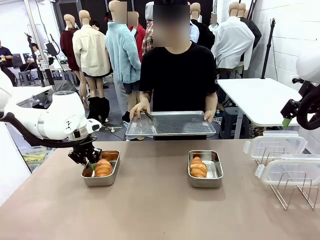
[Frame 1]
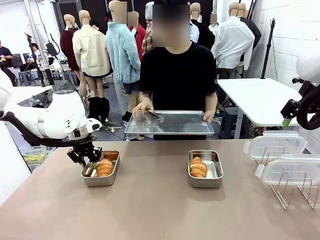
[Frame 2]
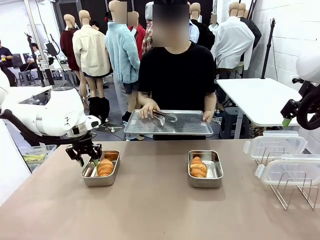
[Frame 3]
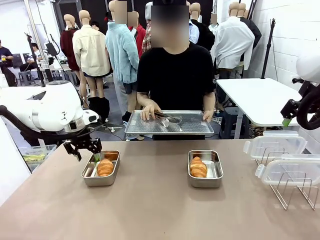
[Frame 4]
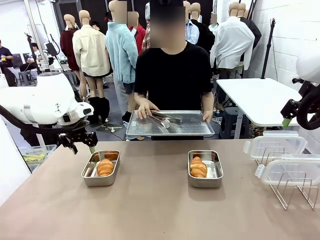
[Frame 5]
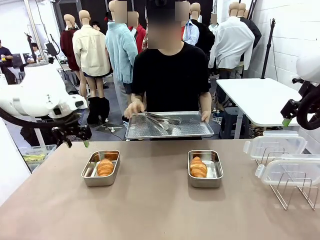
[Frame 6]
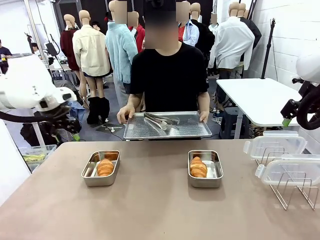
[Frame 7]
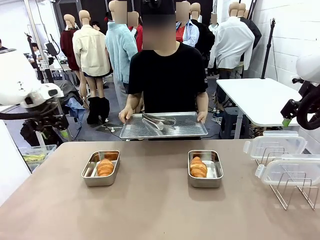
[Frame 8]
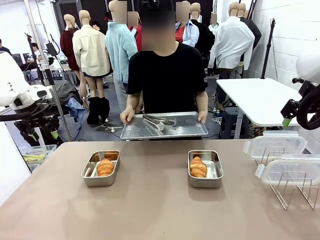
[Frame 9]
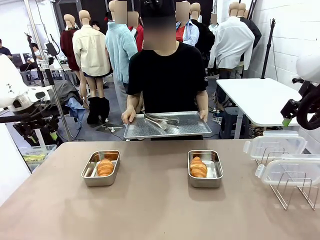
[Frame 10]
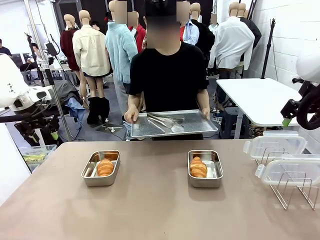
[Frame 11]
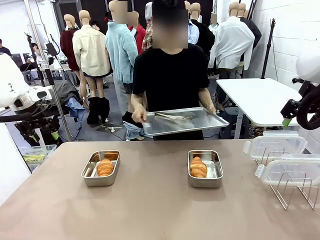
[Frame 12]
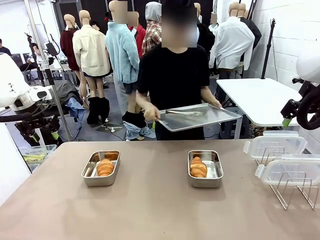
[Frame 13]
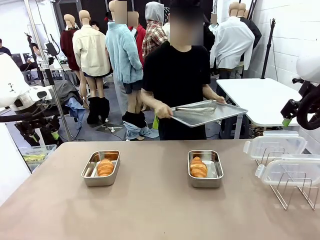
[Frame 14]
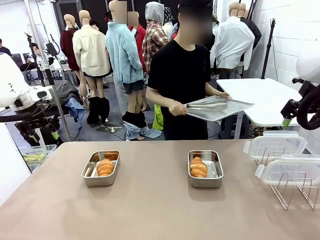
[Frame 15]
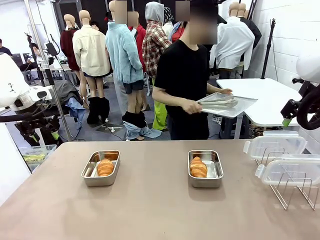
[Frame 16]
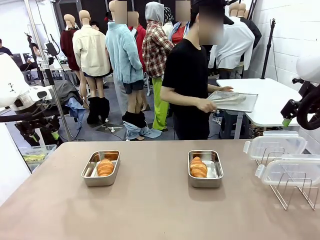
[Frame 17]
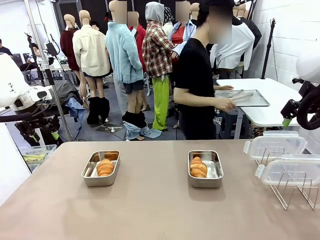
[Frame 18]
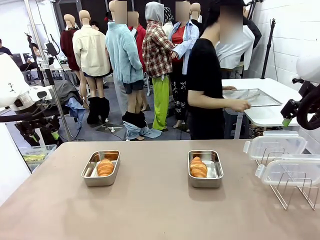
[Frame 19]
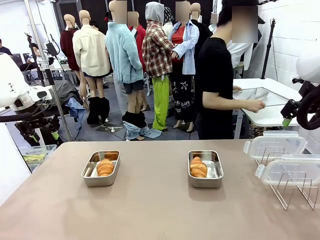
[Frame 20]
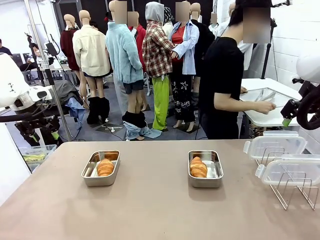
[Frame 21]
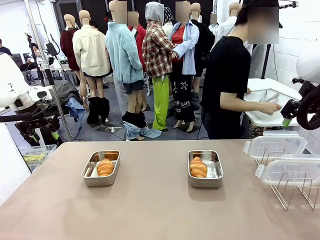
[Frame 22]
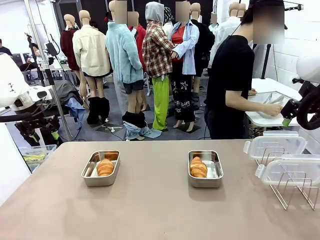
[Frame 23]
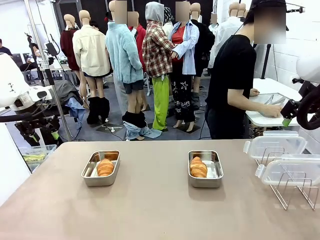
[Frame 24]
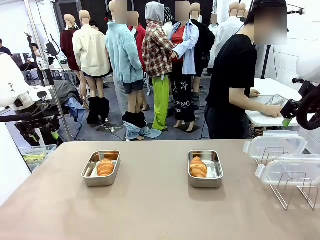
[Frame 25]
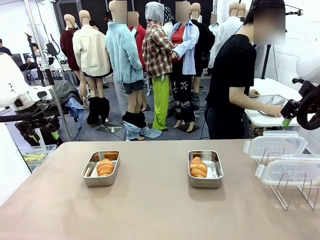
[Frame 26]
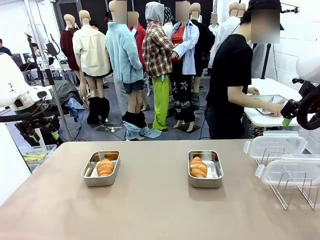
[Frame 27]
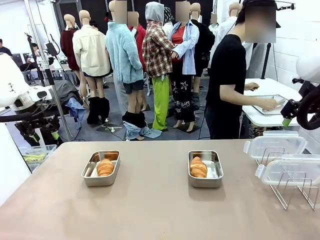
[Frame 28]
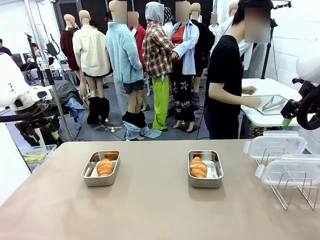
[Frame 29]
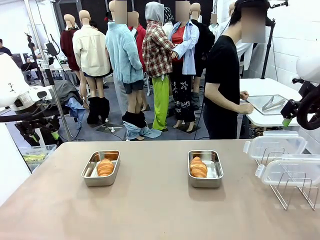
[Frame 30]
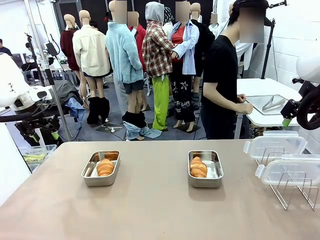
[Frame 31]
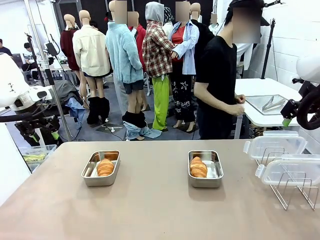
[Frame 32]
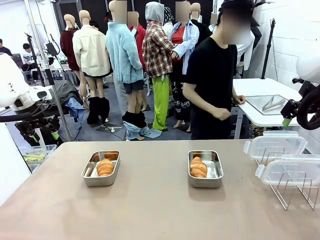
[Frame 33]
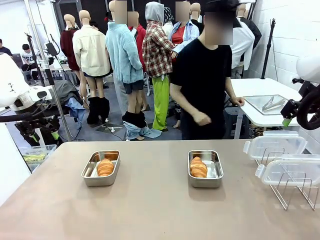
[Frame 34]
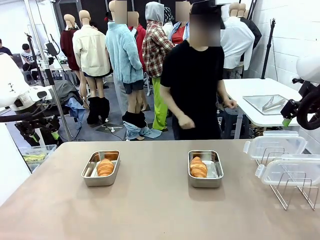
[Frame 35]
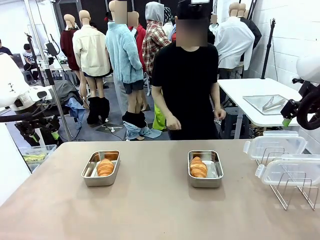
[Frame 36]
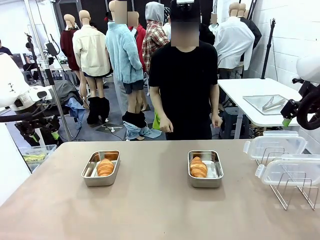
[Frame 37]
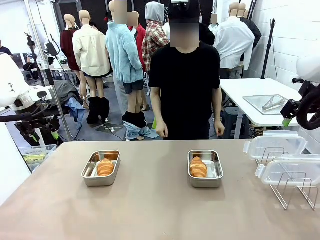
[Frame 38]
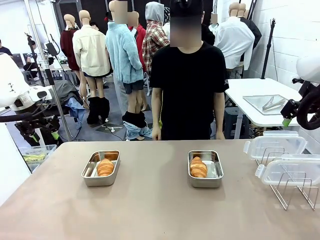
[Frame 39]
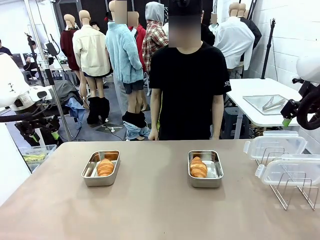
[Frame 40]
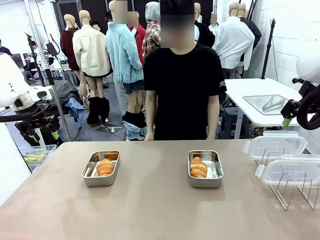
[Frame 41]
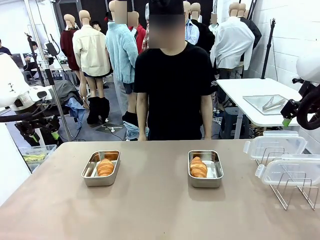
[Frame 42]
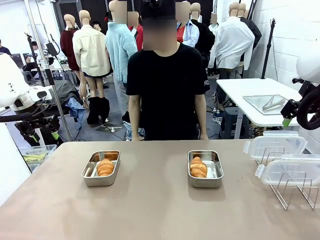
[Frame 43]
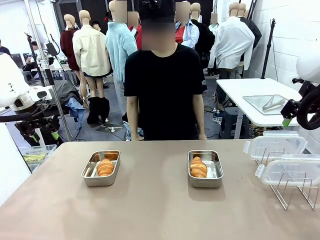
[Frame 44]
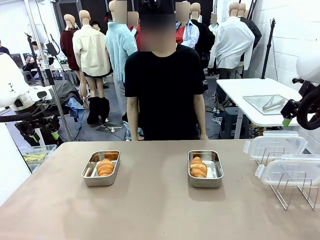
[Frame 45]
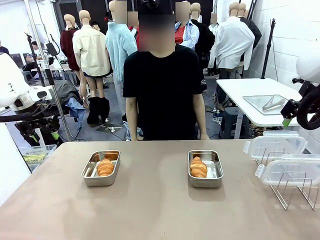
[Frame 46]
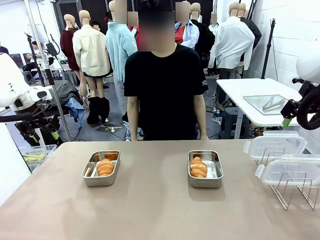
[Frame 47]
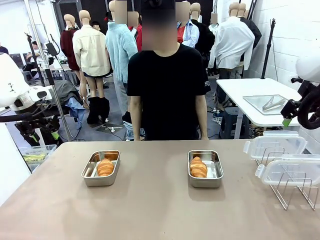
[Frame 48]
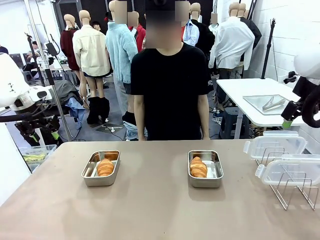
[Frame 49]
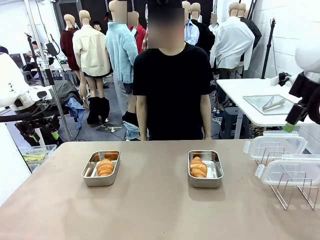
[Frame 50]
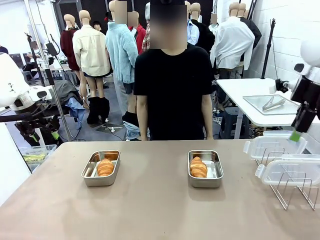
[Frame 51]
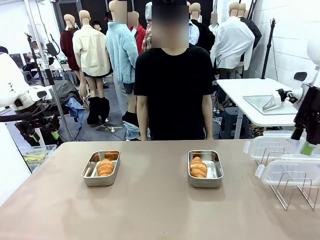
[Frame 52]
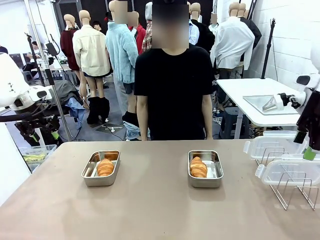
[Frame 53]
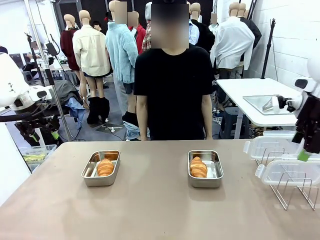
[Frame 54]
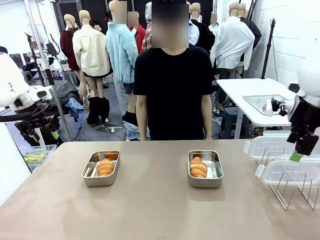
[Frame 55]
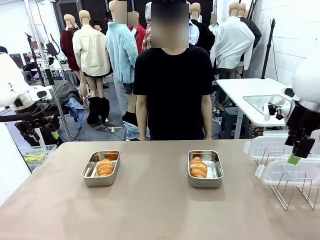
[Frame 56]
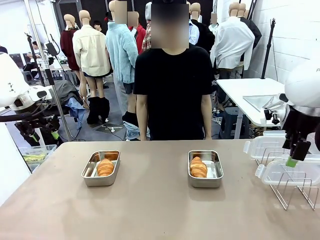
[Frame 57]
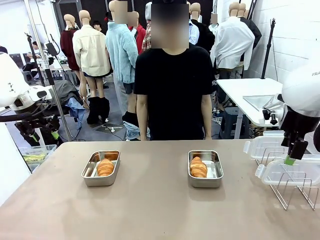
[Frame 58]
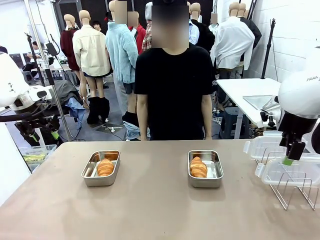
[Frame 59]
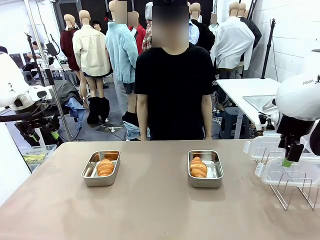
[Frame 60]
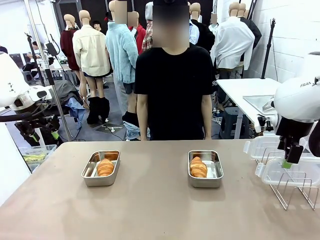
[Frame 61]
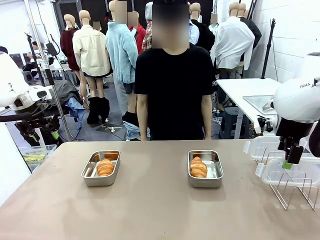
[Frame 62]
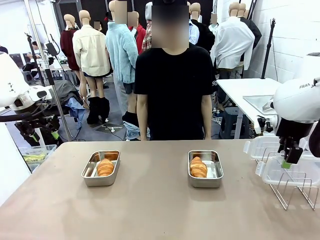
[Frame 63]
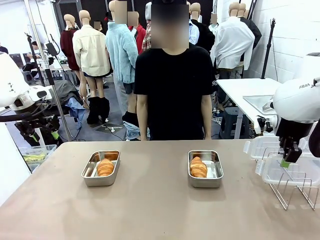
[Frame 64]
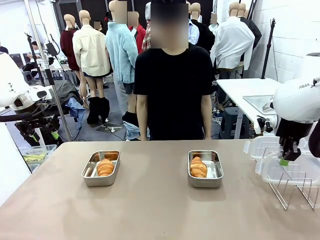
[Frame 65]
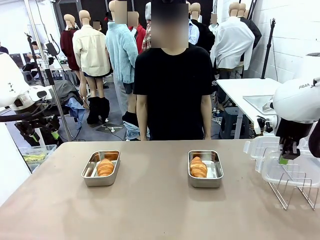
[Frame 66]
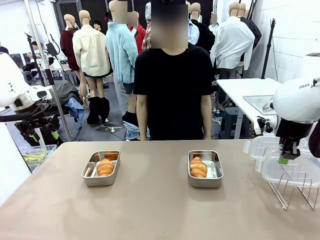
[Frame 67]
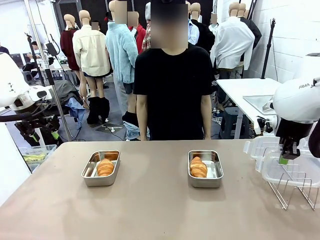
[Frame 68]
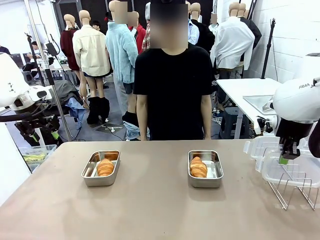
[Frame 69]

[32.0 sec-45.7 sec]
Task: Place the bread in airtight containers.
Robot: Pick up one Airtight Container lid and hand it to the human.
Person: Place Baking Sheet on the Human's Table.

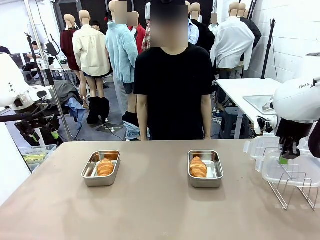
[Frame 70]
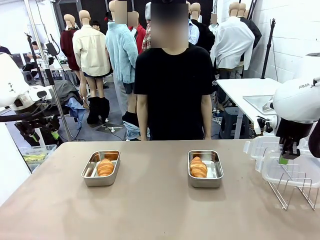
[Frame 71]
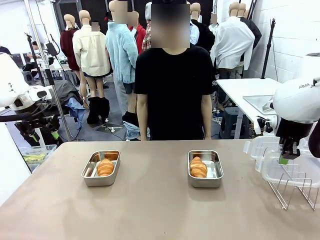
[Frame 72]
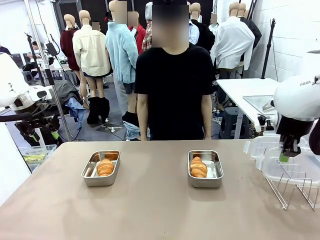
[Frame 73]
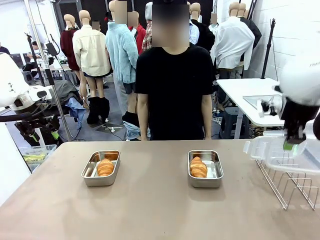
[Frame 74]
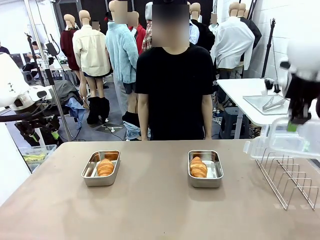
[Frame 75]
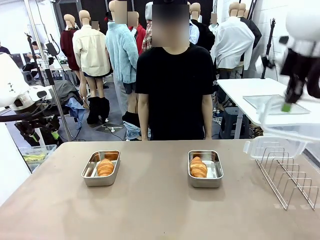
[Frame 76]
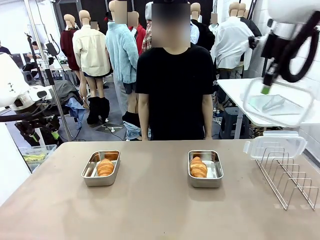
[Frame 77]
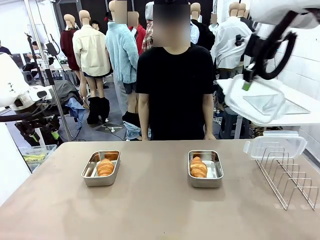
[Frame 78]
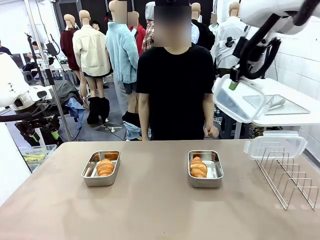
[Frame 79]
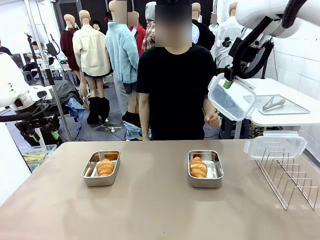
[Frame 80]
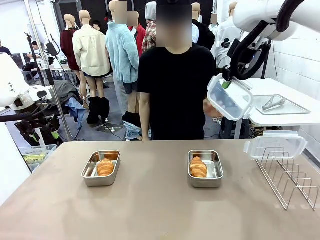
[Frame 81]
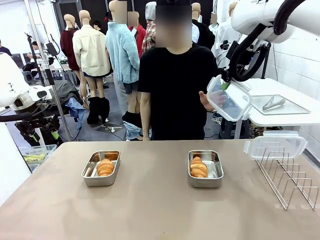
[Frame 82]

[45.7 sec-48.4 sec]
Robot: Release when the human grabs the Airtight Container lid.

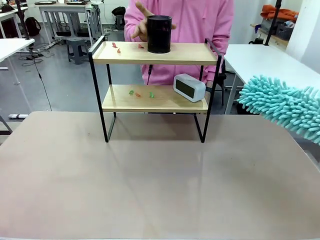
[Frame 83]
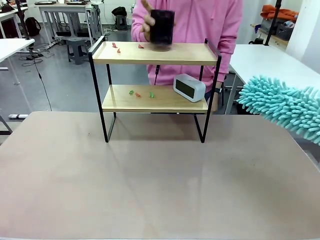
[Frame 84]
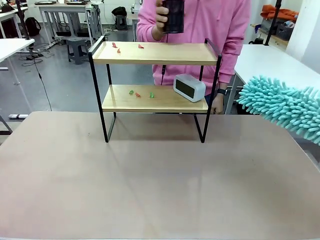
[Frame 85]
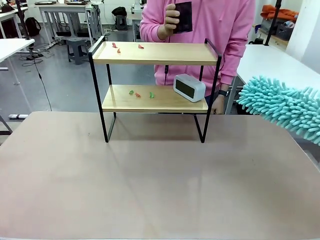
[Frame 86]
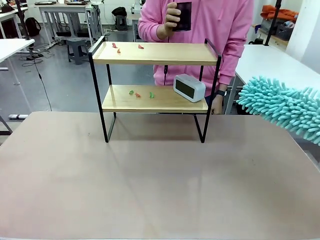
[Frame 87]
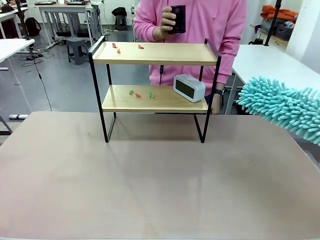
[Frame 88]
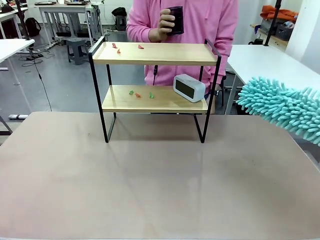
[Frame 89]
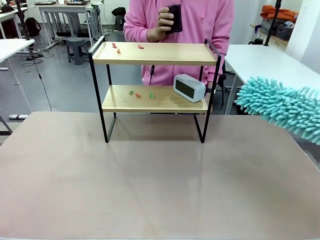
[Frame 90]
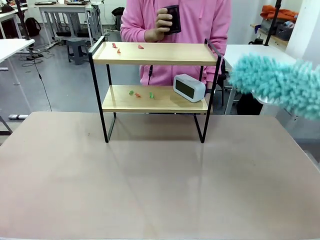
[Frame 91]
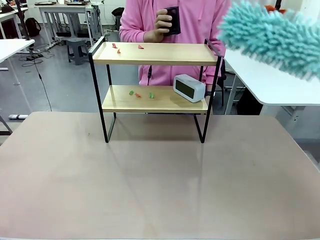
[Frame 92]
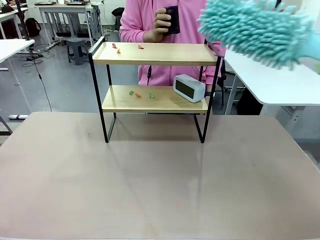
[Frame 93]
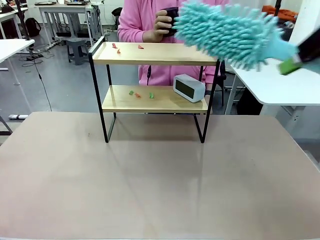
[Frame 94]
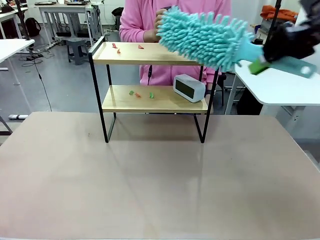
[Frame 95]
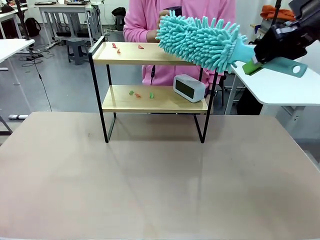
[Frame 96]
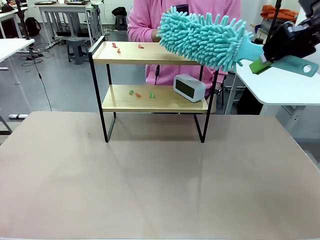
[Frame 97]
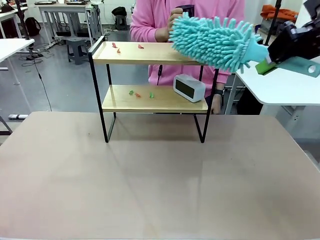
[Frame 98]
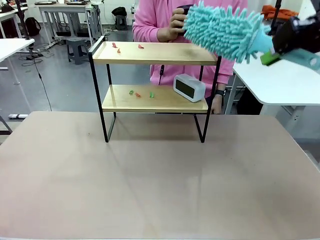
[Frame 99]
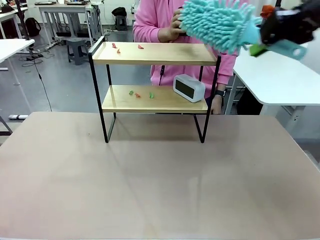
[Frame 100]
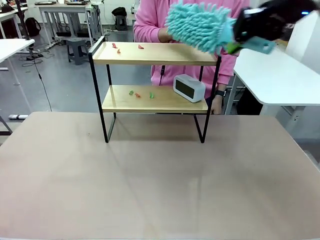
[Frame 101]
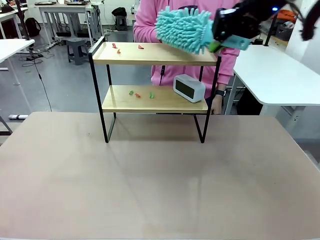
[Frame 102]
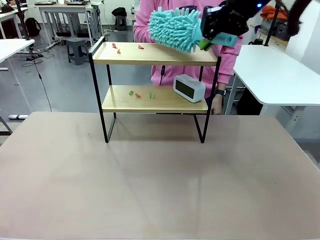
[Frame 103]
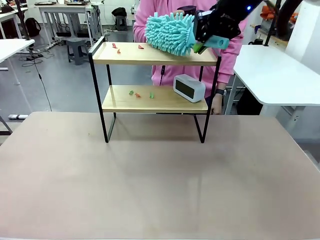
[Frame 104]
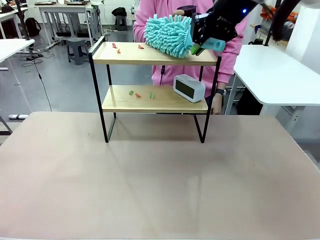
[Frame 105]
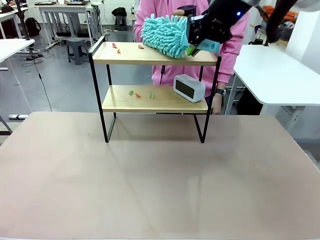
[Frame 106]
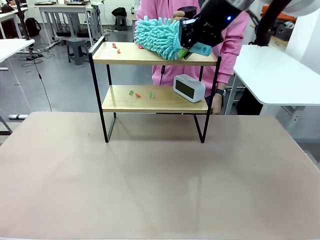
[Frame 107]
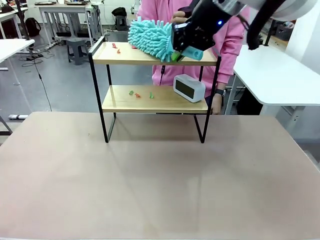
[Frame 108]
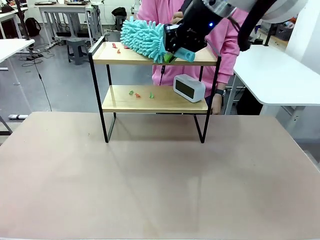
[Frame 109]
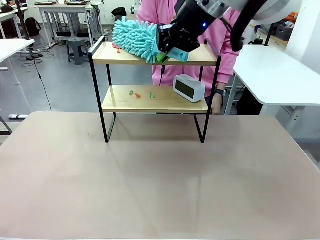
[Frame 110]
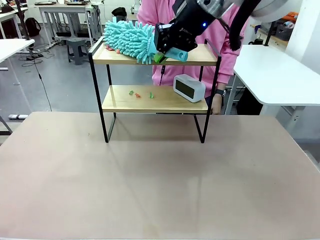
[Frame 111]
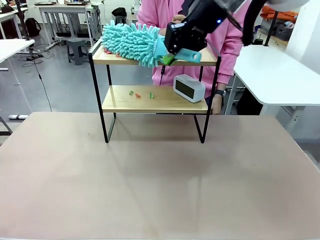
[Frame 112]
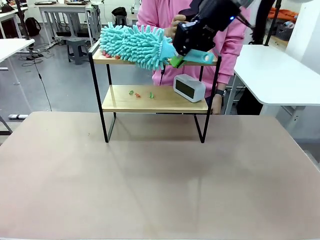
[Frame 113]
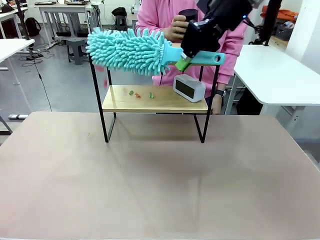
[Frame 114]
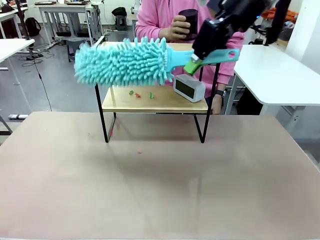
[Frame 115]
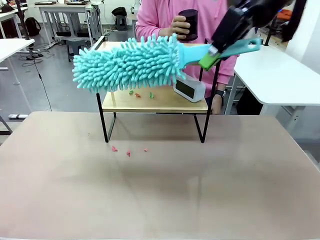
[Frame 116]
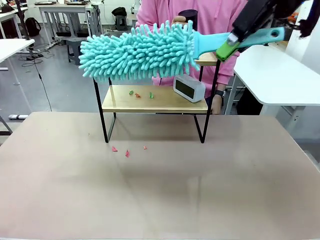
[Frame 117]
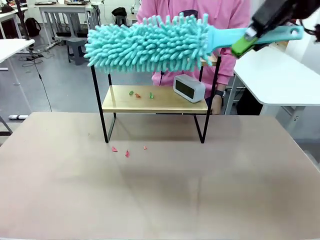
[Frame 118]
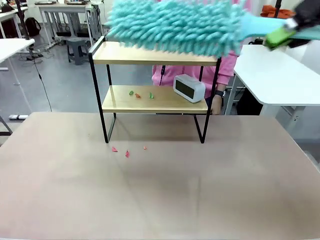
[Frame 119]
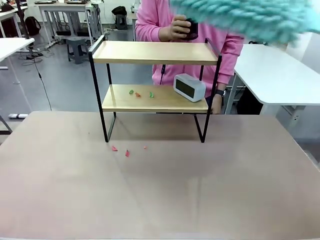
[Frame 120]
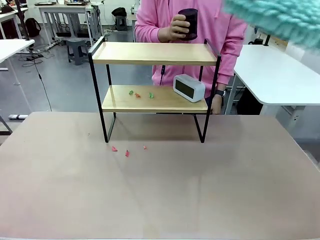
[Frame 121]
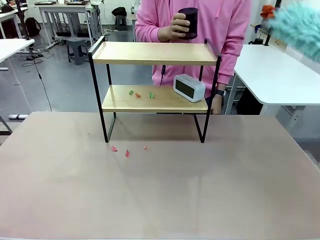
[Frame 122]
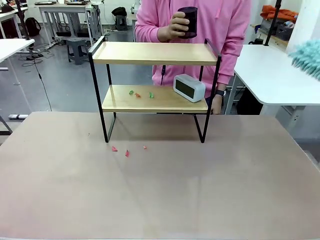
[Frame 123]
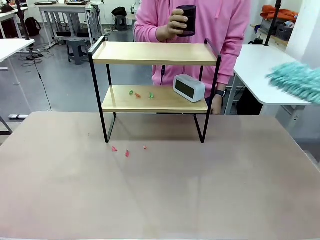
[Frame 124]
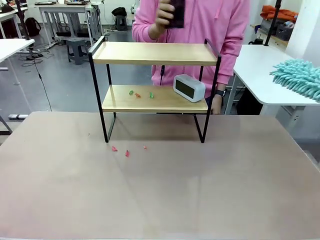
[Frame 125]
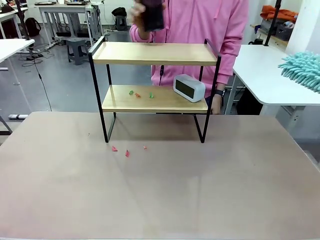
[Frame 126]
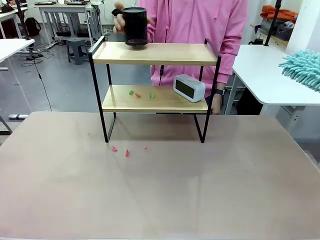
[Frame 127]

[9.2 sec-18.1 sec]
Task: Clean the shelf.
Robot: Clean the specific tier of the Shelf with the Duster once objects are removed.
Person: Lift the objects on a randomly selected tier of the Shelf. Once the robot finishes cleaning, lift the objects on the remaining tiers of the Shelf.
